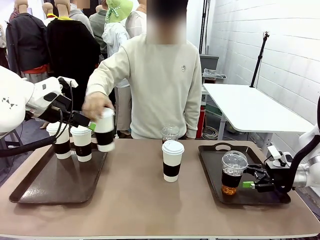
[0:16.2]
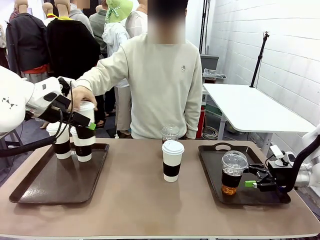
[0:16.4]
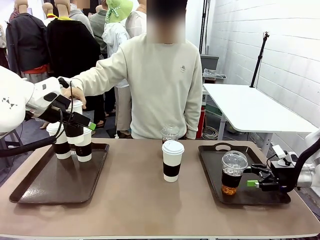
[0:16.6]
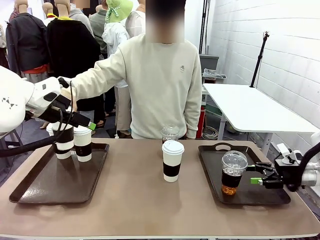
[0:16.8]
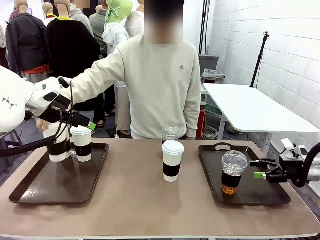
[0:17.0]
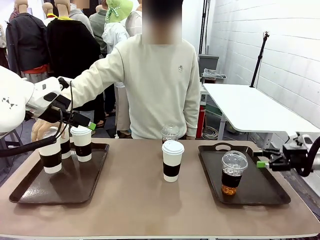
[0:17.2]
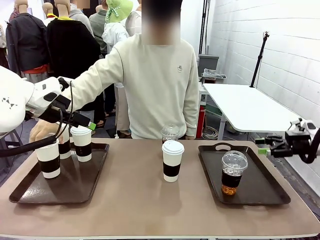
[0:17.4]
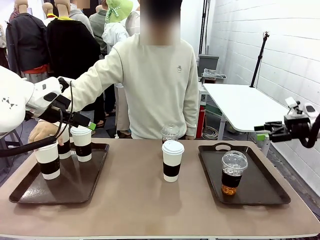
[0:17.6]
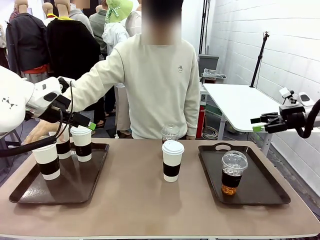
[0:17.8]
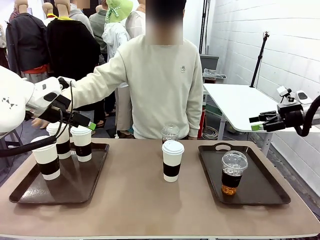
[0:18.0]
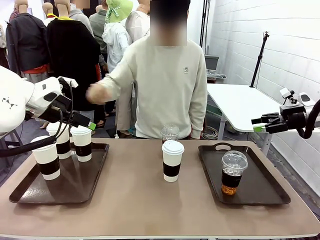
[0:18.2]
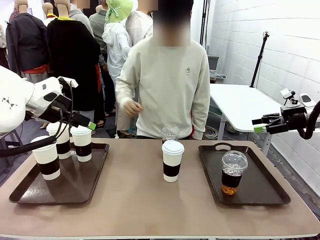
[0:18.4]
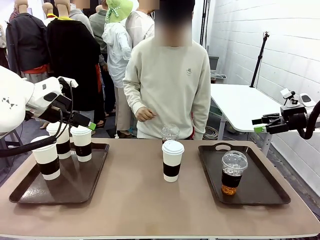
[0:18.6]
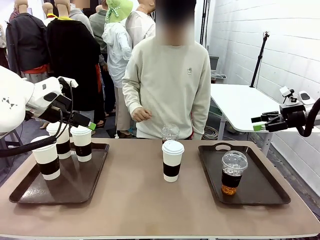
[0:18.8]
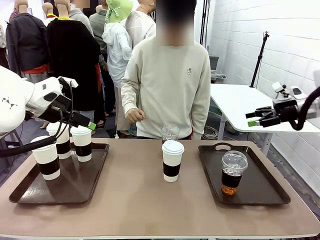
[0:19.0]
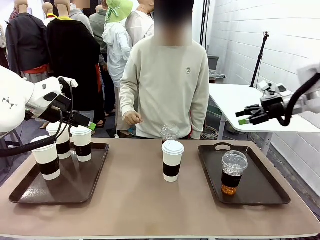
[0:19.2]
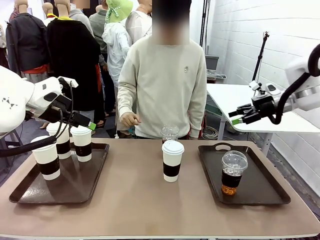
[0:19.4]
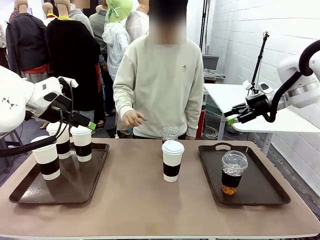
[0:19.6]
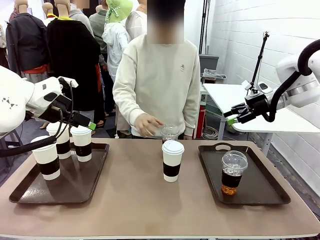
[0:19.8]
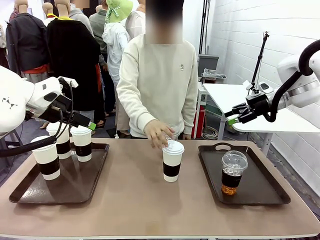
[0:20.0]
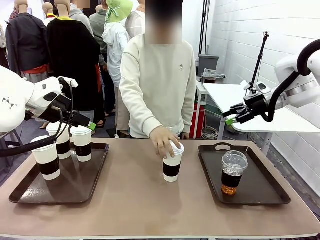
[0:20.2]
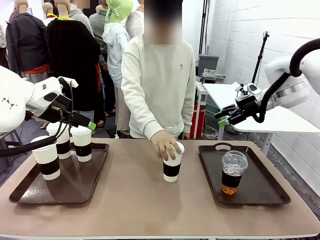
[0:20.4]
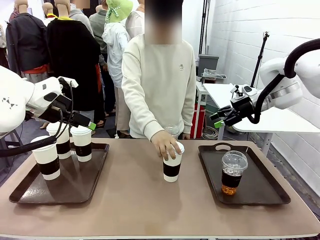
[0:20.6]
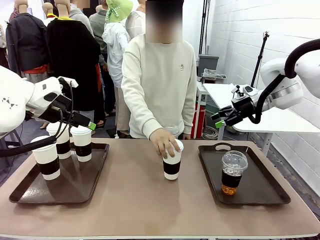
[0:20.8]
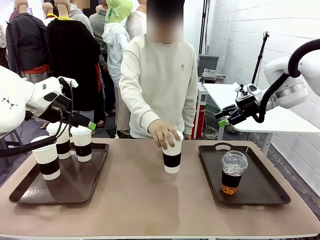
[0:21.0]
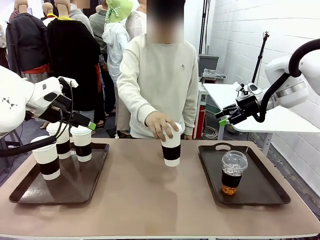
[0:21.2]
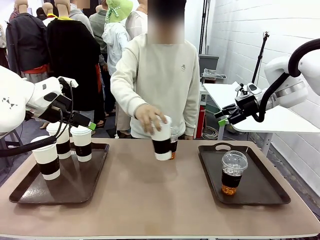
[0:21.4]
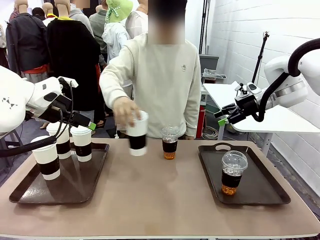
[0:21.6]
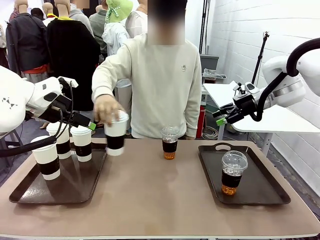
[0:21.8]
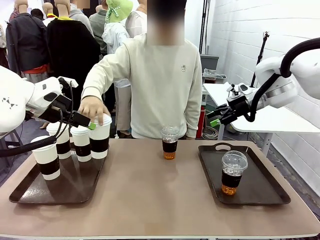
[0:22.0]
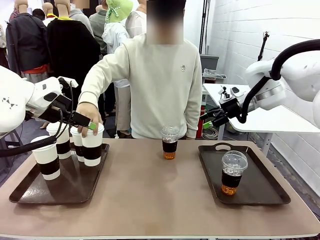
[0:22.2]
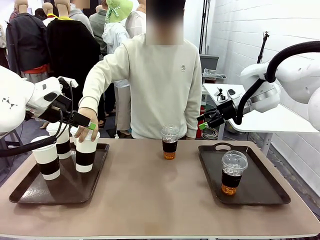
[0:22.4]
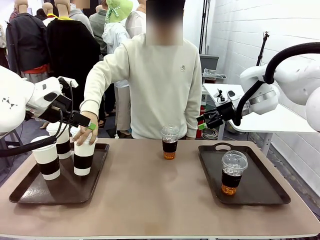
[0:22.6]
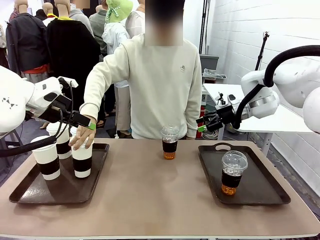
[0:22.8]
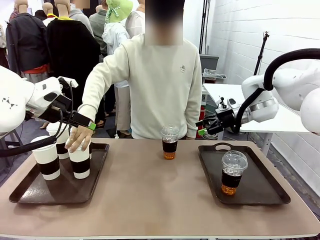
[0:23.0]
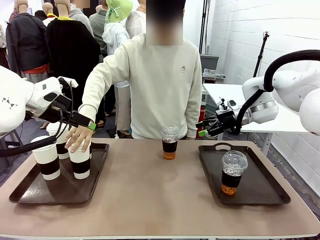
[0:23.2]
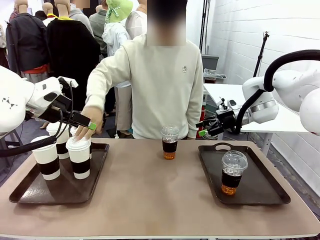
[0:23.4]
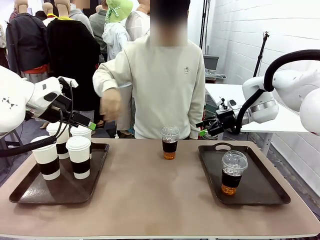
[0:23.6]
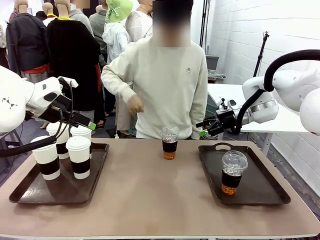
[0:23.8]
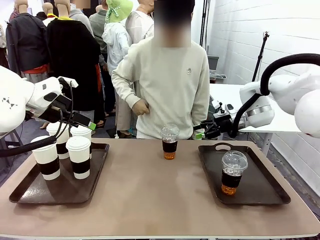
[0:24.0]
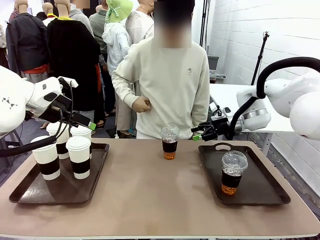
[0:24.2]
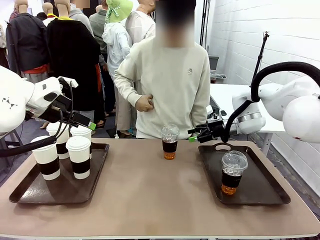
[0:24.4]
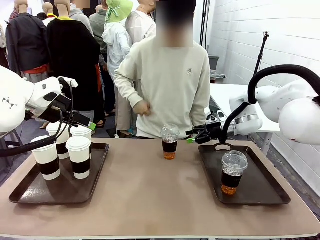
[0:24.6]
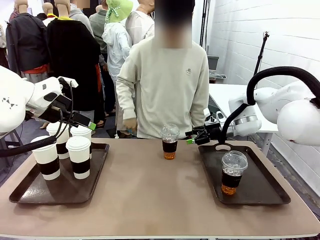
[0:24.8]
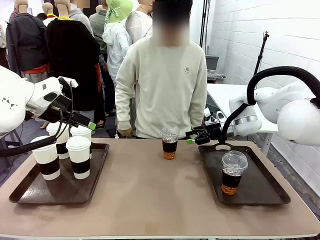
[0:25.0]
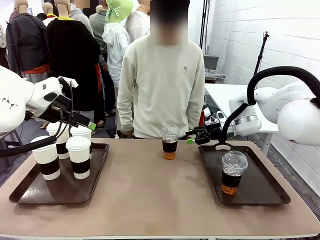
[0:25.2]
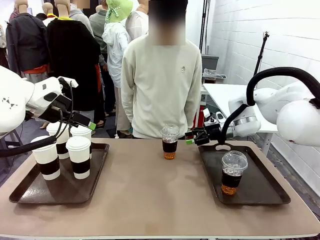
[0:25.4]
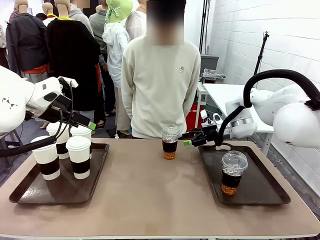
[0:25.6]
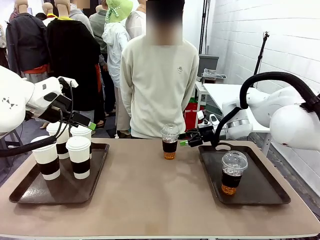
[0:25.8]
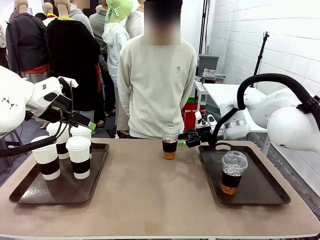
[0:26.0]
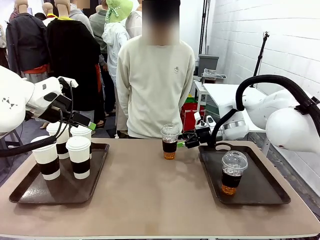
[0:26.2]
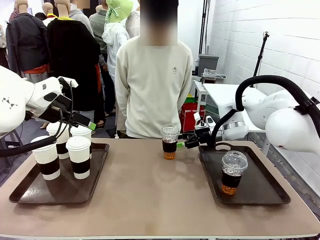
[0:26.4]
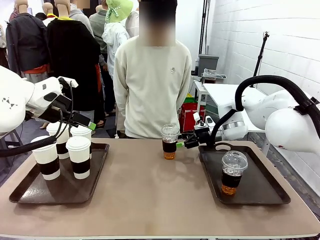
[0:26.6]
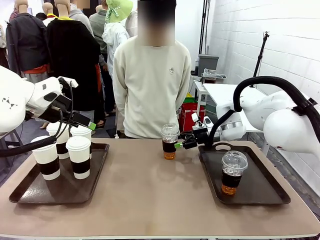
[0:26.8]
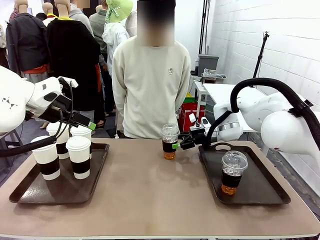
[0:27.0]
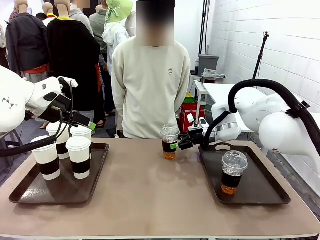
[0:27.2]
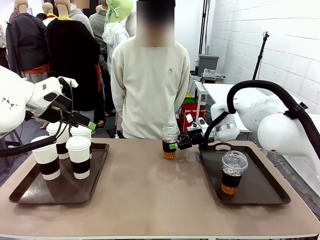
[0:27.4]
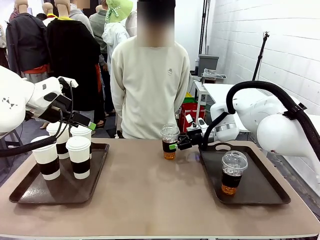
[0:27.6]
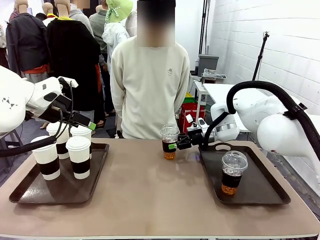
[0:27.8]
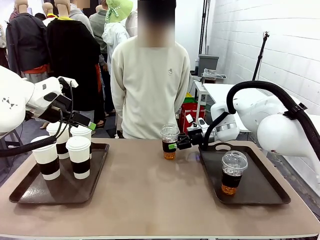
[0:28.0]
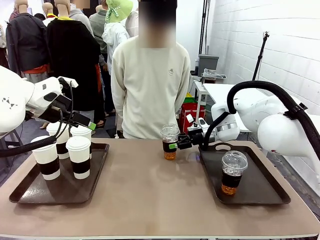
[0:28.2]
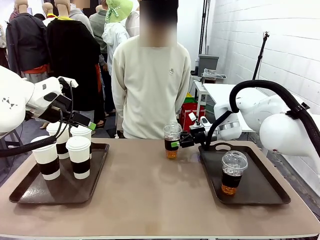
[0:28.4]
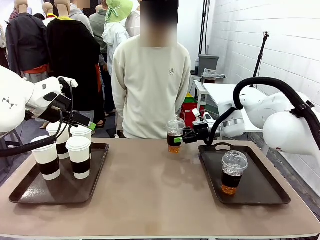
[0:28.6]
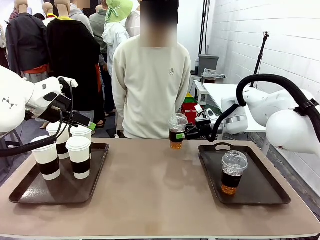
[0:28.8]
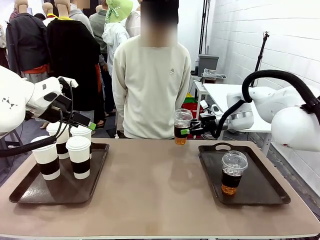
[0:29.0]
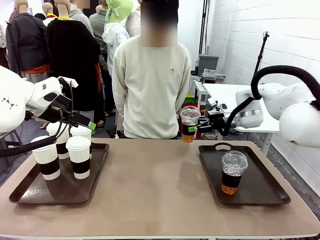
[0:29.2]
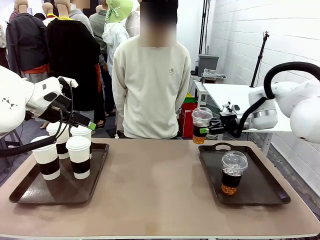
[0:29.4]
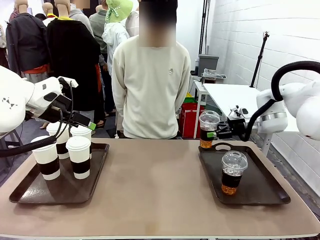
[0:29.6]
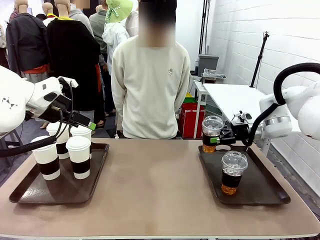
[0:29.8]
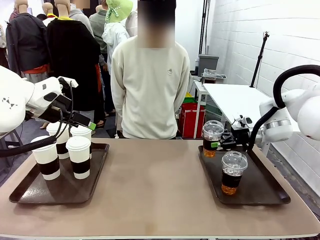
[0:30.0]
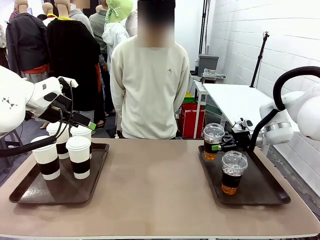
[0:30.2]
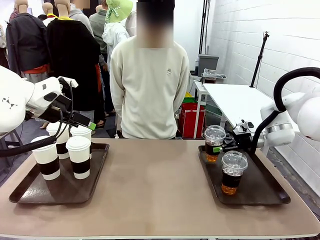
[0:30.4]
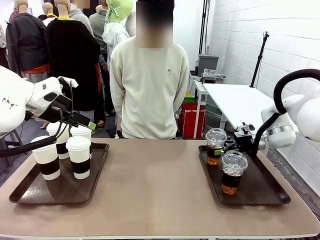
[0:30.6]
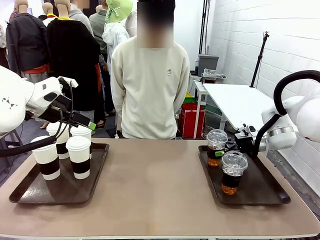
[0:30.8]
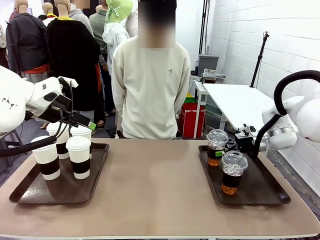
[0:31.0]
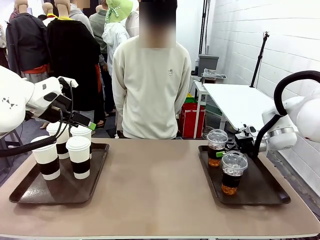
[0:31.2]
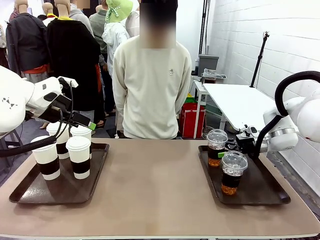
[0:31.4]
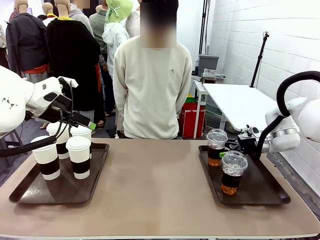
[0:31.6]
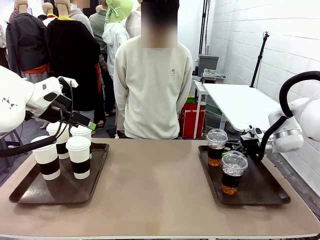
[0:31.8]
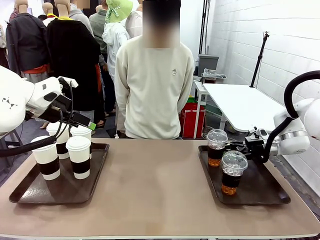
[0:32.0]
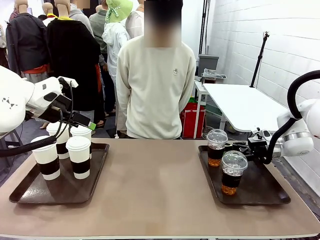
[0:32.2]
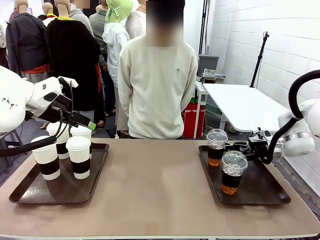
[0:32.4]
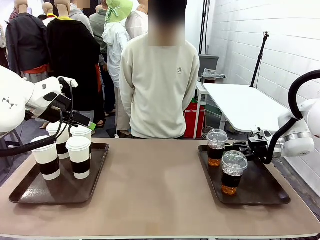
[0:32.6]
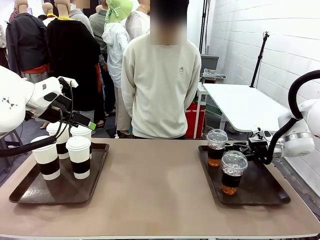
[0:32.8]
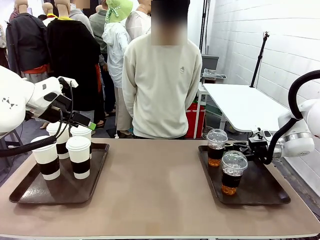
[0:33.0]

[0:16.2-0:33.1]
Task: Distribute the coffee onto the tray.
Robot: Pick up another iced Americano from the middle of the table and place it on the right Handle tray.
Person: Pick up a cup of hot Americano from the middle of the table and place it on the right tray.
